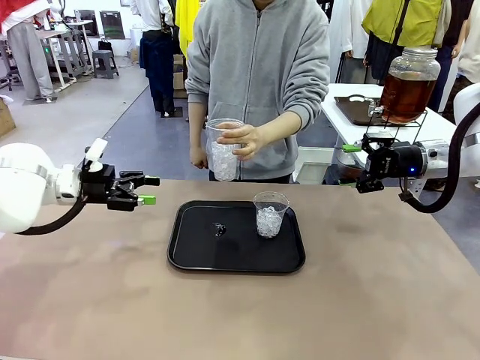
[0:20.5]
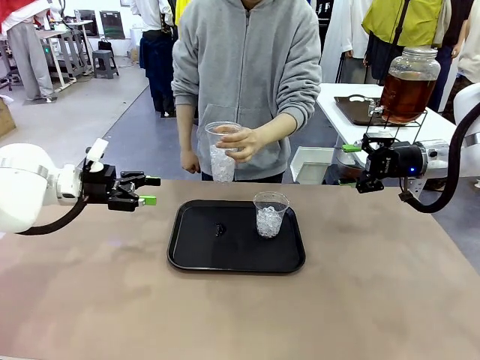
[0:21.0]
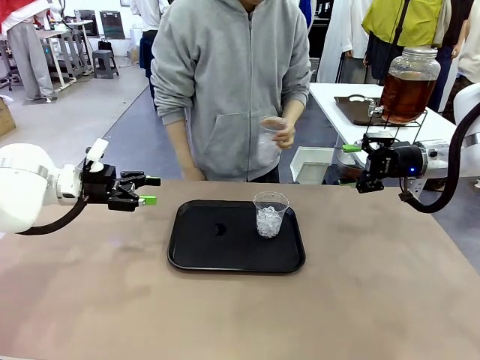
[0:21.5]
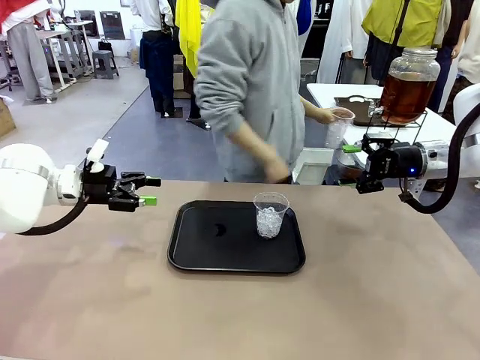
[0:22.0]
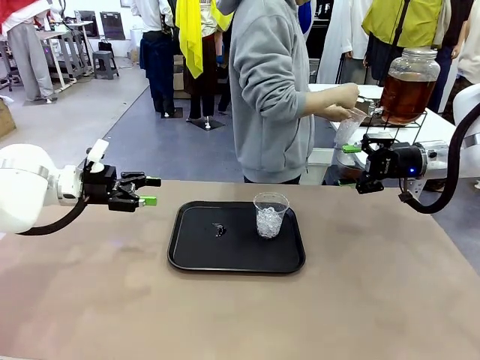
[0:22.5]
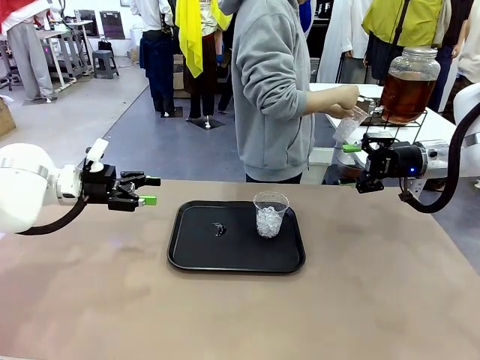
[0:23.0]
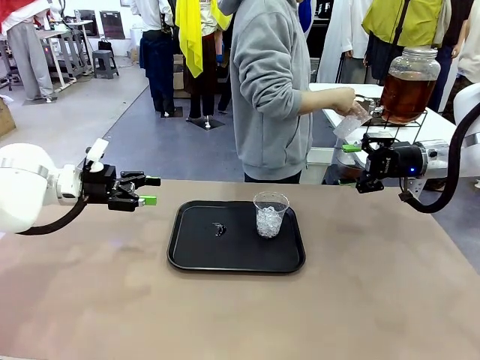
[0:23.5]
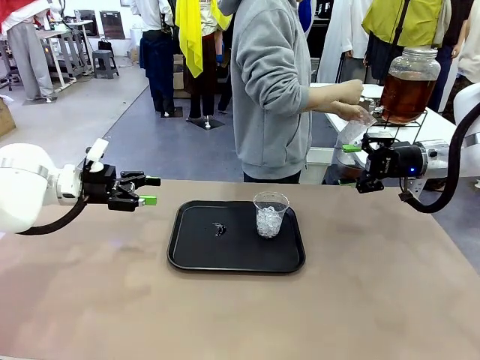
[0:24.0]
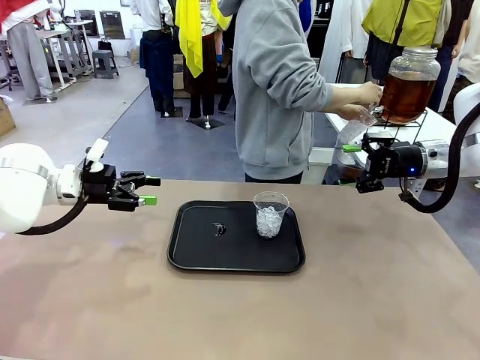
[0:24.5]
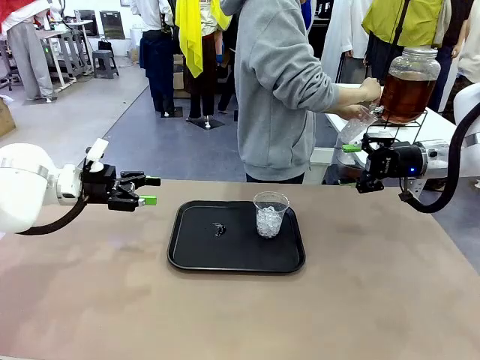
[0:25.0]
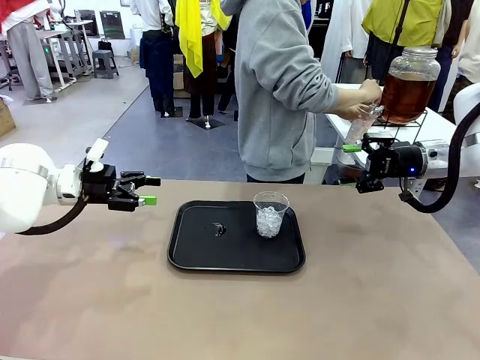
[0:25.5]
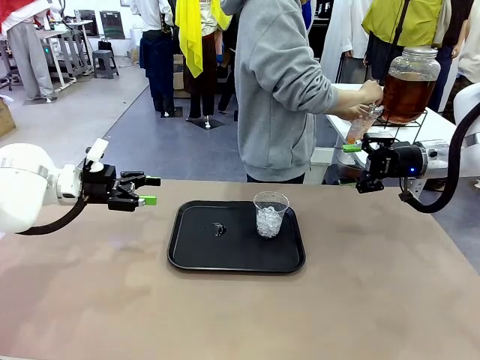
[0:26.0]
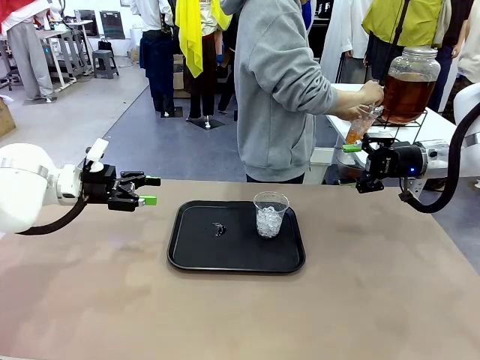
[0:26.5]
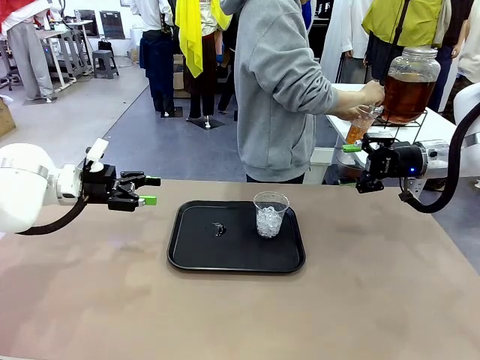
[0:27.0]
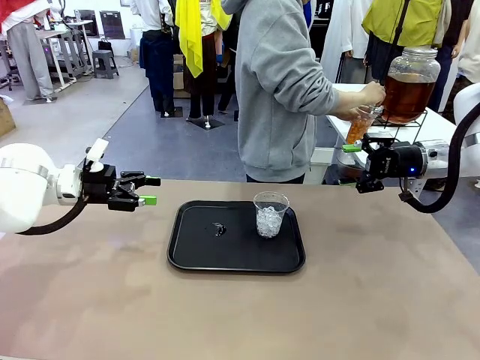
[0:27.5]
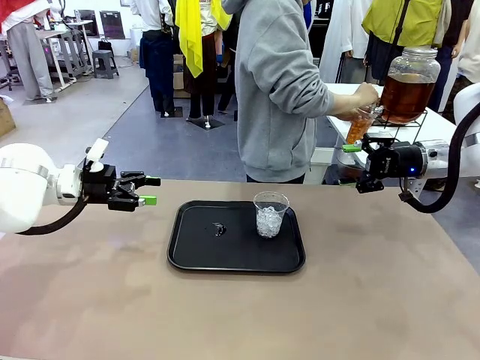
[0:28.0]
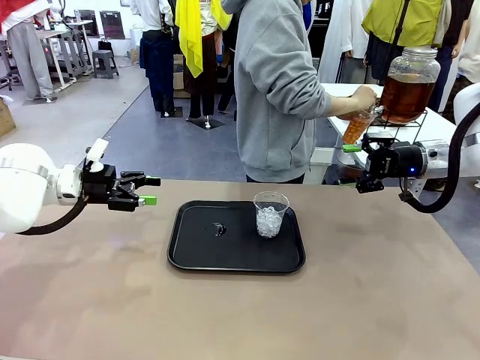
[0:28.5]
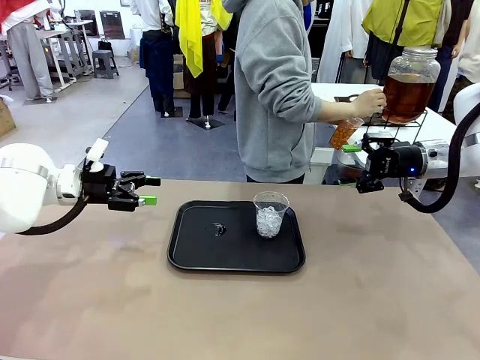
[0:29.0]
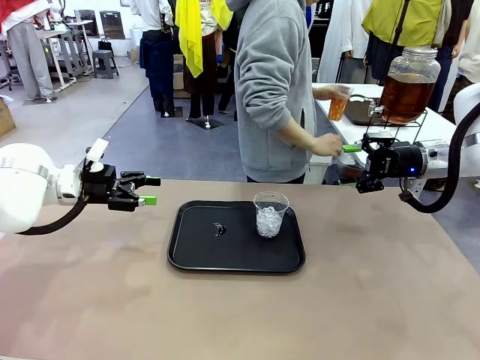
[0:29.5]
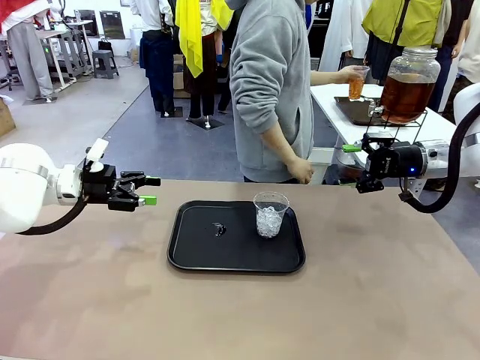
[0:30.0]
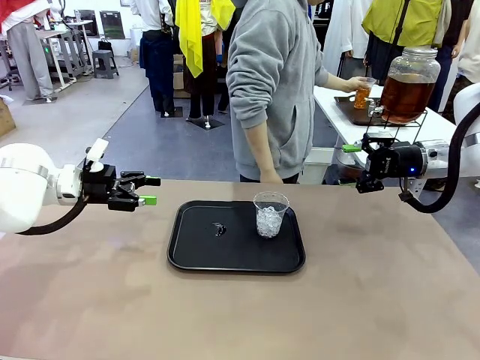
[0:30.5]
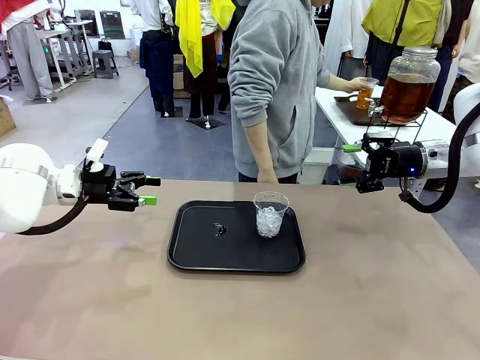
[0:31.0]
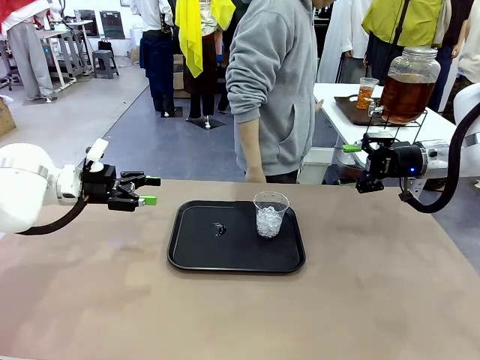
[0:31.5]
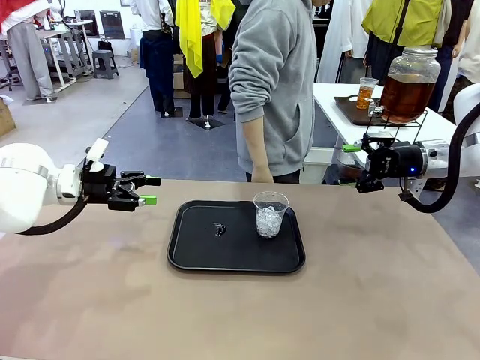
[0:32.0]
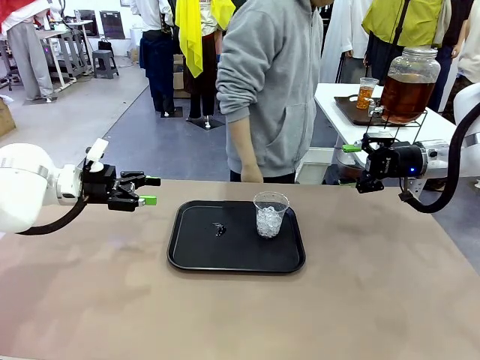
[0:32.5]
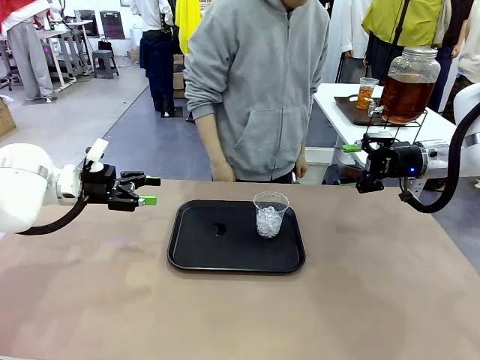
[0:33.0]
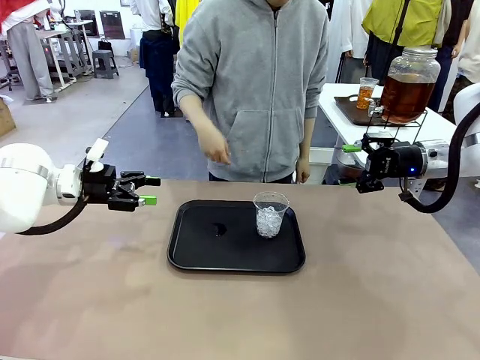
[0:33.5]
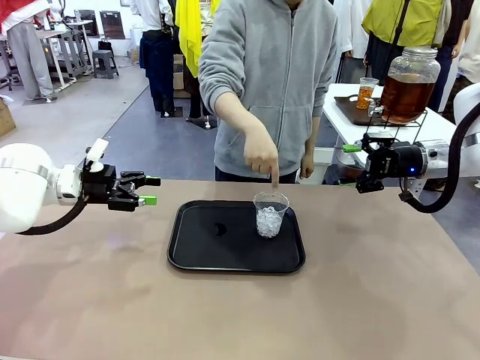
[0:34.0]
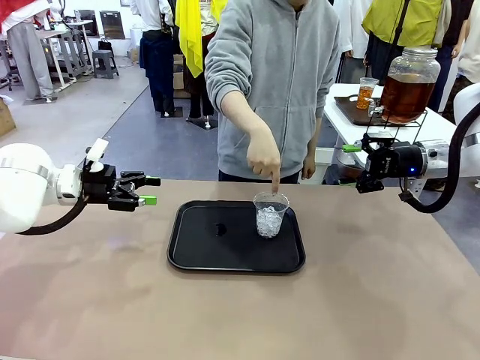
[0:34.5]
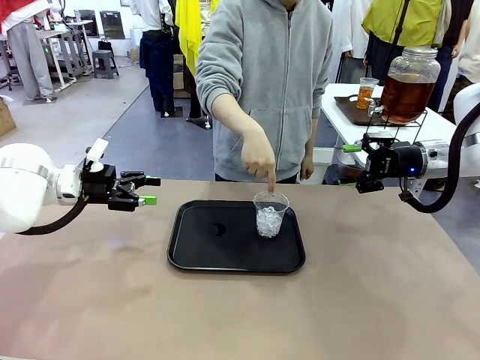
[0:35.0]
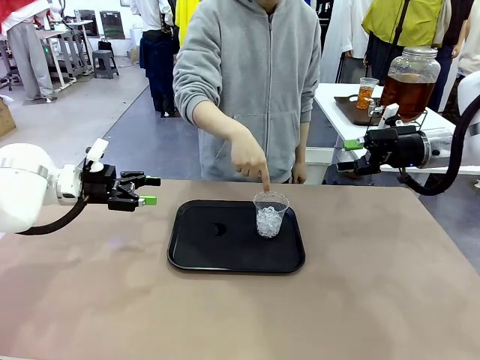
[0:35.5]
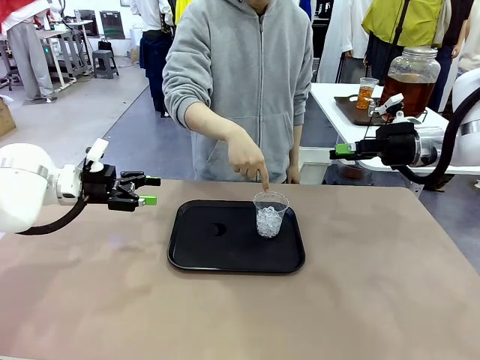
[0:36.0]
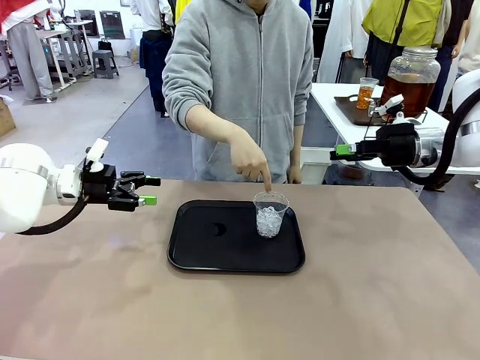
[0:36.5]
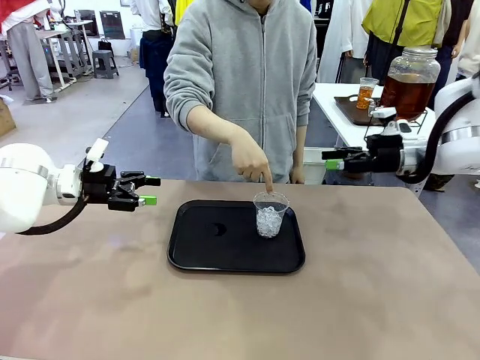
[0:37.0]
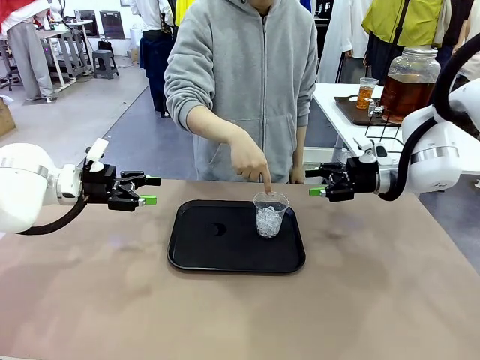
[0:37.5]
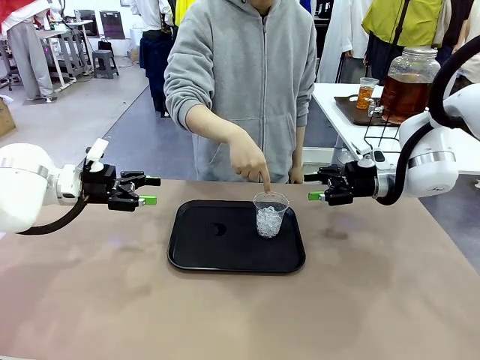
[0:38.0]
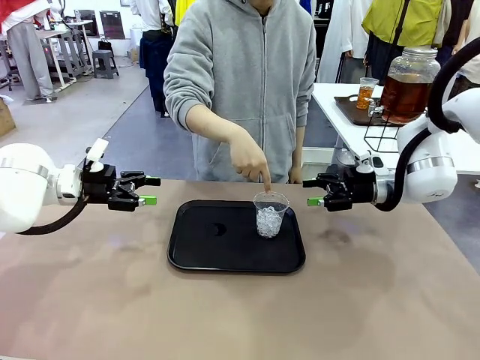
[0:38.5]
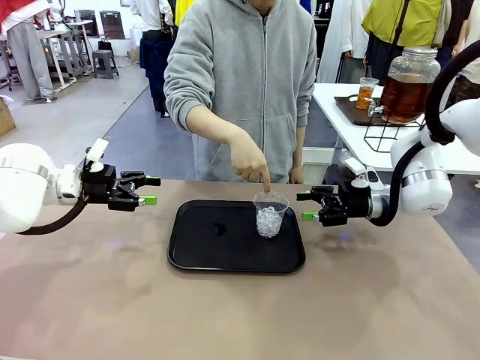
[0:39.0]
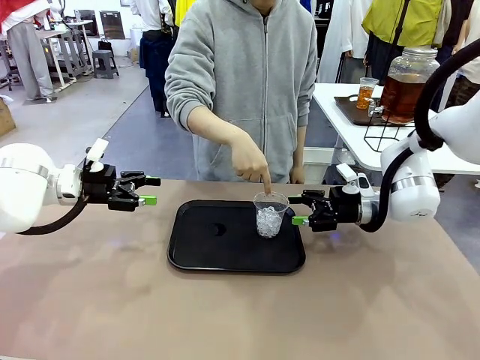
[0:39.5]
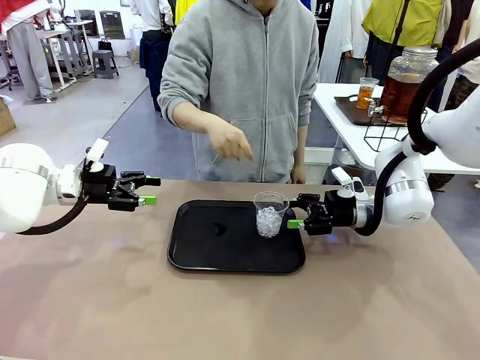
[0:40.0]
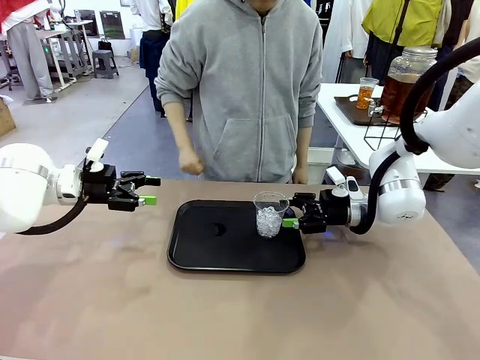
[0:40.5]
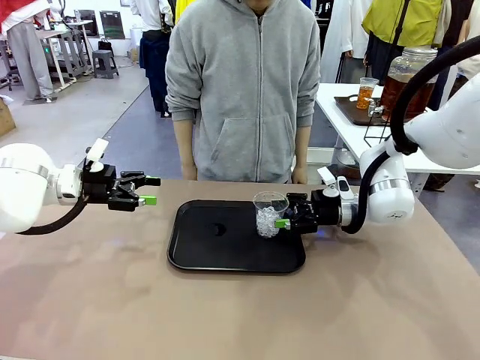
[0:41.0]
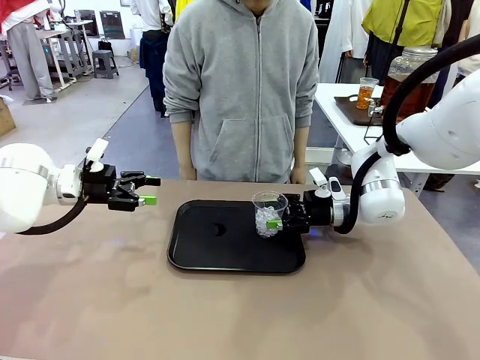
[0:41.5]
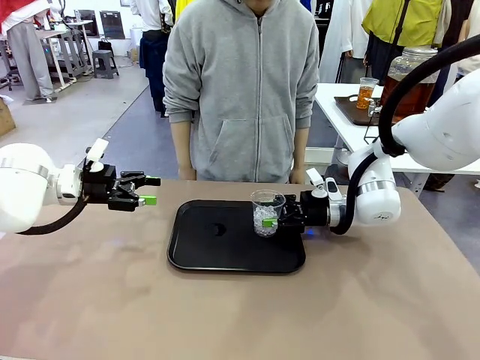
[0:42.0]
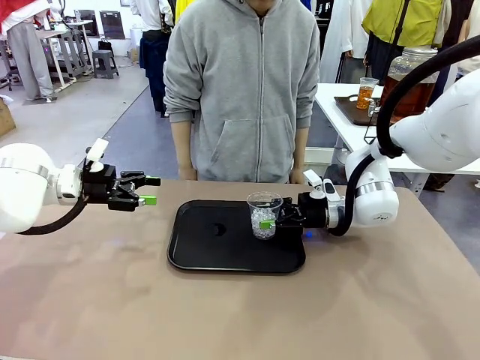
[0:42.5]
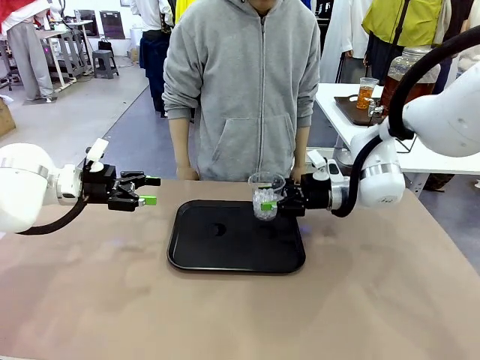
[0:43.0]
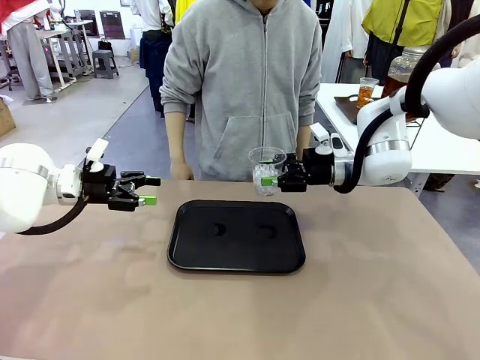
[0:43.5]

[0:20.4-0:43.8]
Task: Pour the drink into the iced cup.
Robot: Pick up the iced cup indicated by the human and present it to them.
Person: Move the picked-up cup under the dispenser faucet, pour the drink, and place it on the tray on the human table. Point to the remaining ice cup on the robot table. Pick up the cup offered by the robot.
